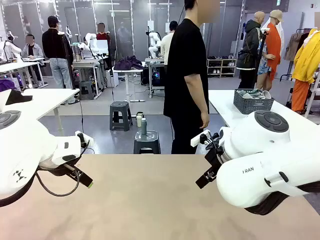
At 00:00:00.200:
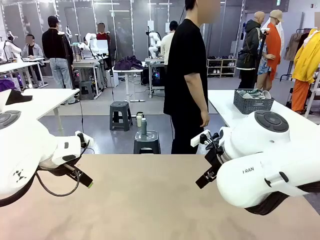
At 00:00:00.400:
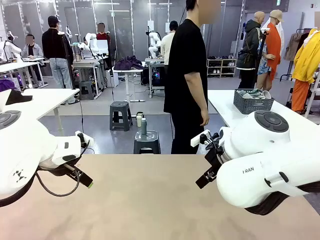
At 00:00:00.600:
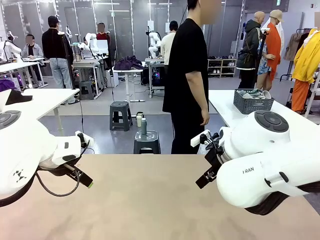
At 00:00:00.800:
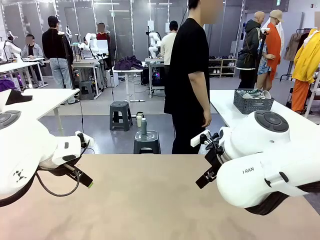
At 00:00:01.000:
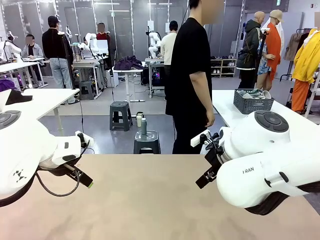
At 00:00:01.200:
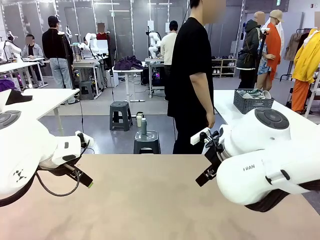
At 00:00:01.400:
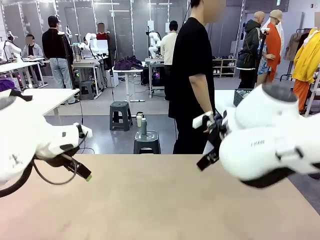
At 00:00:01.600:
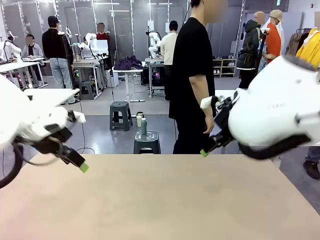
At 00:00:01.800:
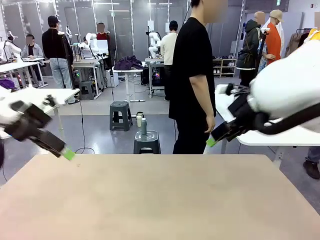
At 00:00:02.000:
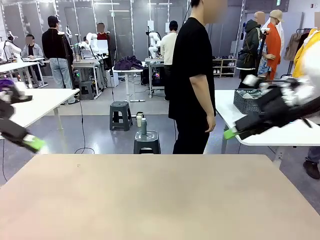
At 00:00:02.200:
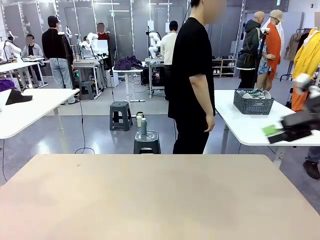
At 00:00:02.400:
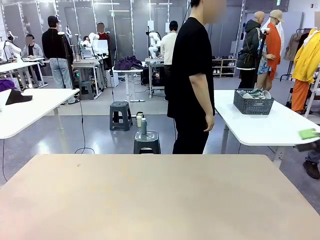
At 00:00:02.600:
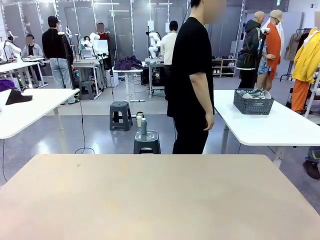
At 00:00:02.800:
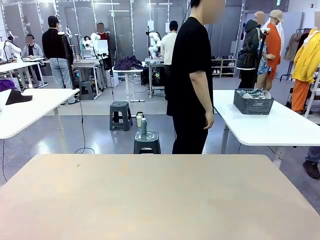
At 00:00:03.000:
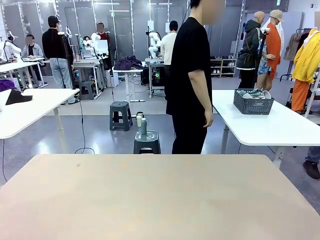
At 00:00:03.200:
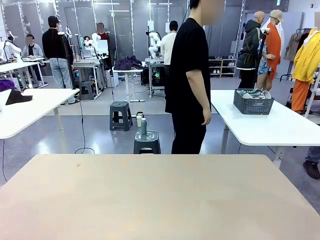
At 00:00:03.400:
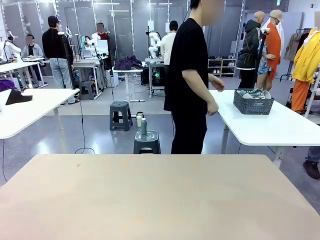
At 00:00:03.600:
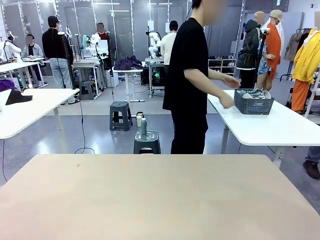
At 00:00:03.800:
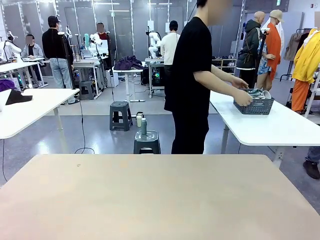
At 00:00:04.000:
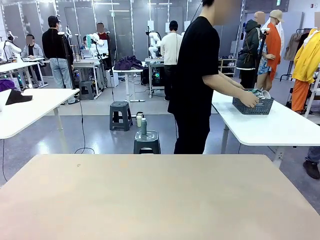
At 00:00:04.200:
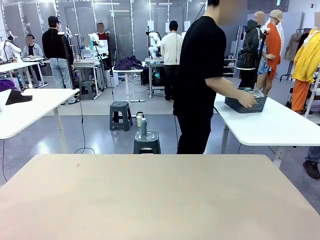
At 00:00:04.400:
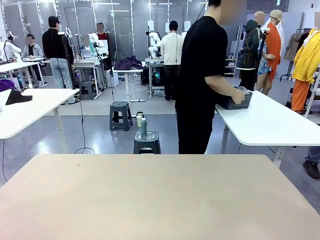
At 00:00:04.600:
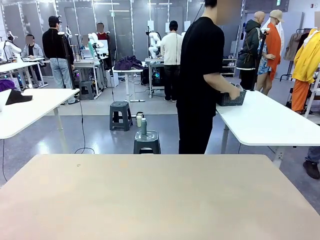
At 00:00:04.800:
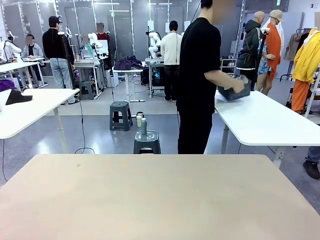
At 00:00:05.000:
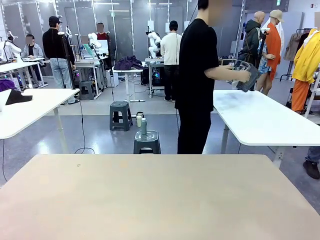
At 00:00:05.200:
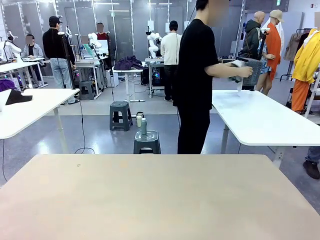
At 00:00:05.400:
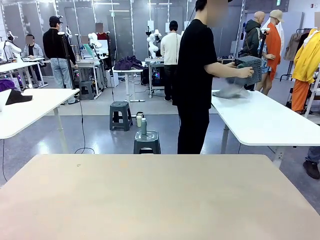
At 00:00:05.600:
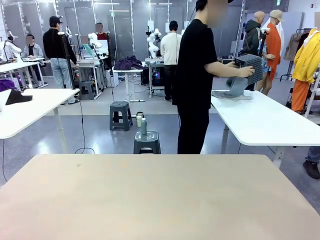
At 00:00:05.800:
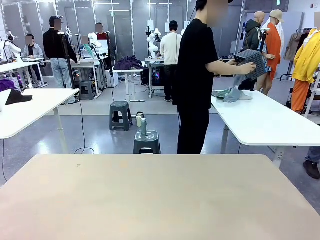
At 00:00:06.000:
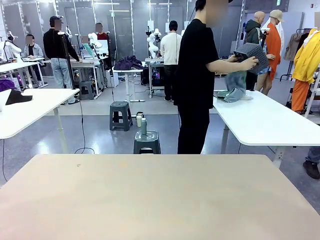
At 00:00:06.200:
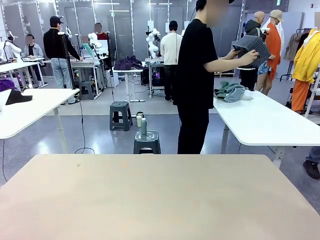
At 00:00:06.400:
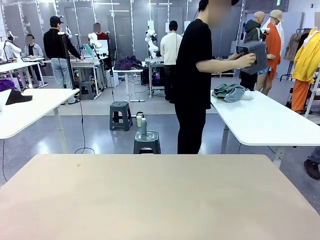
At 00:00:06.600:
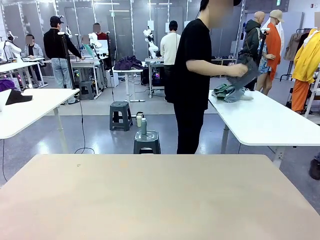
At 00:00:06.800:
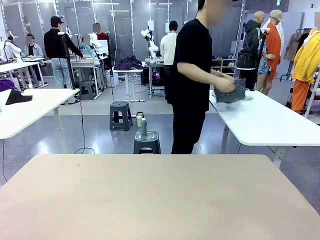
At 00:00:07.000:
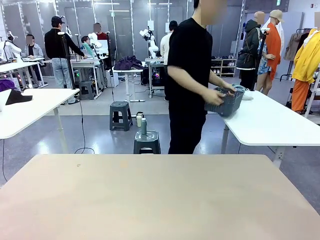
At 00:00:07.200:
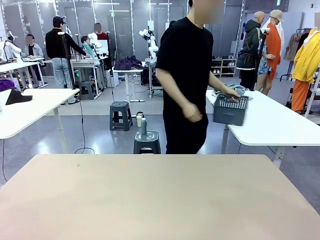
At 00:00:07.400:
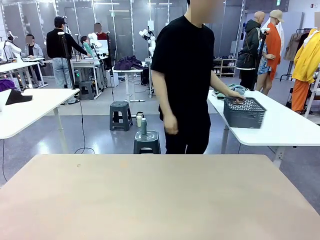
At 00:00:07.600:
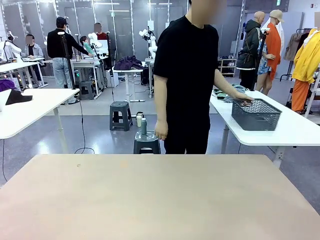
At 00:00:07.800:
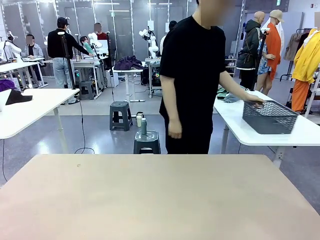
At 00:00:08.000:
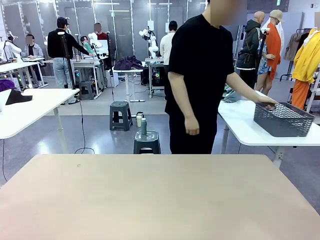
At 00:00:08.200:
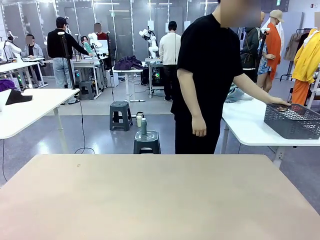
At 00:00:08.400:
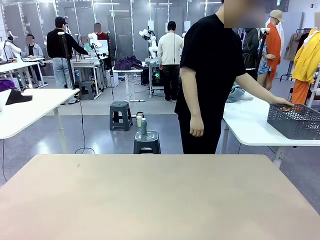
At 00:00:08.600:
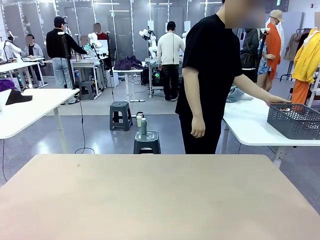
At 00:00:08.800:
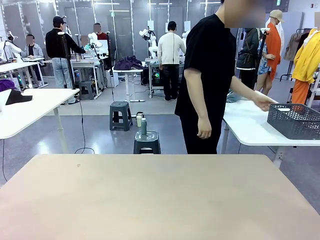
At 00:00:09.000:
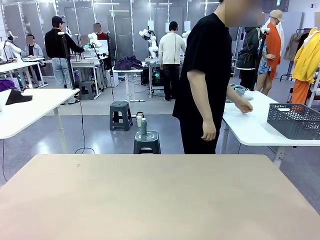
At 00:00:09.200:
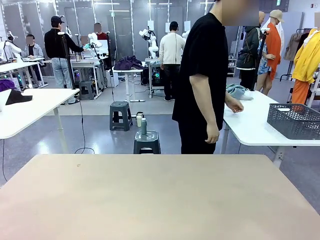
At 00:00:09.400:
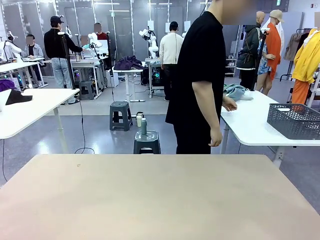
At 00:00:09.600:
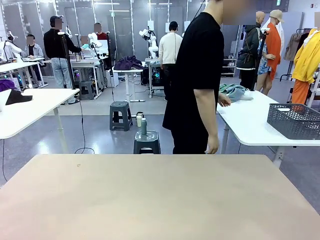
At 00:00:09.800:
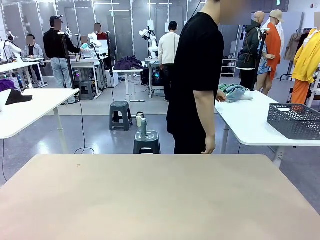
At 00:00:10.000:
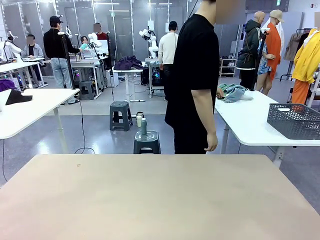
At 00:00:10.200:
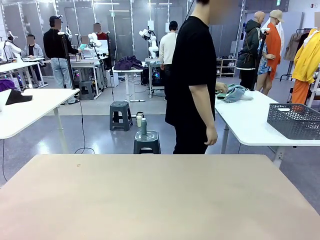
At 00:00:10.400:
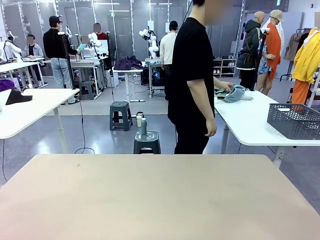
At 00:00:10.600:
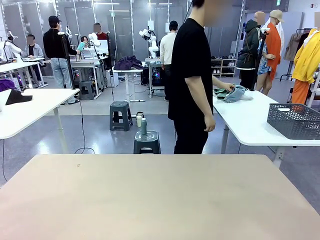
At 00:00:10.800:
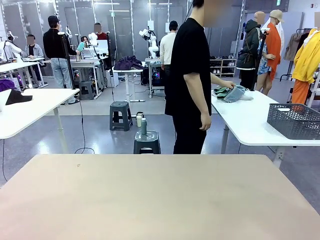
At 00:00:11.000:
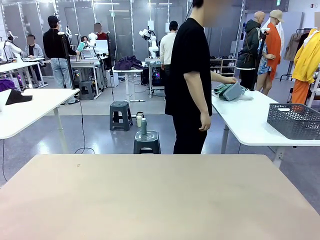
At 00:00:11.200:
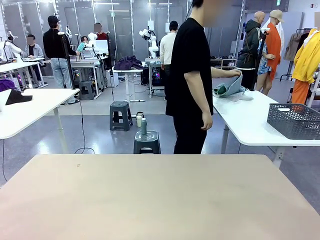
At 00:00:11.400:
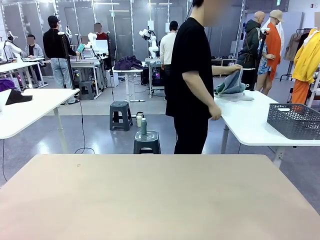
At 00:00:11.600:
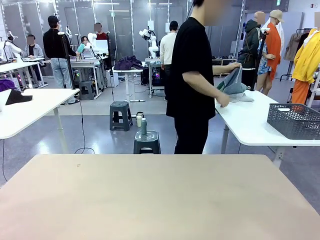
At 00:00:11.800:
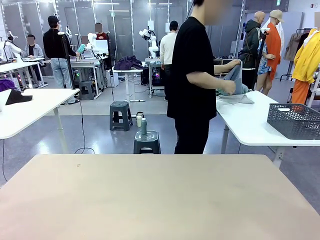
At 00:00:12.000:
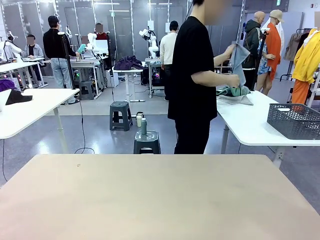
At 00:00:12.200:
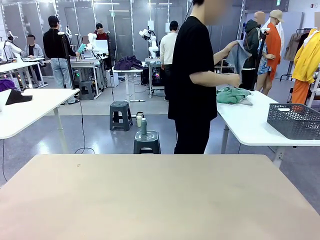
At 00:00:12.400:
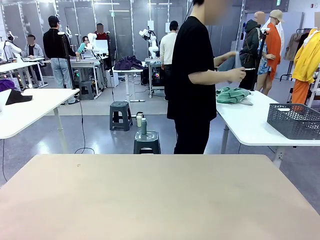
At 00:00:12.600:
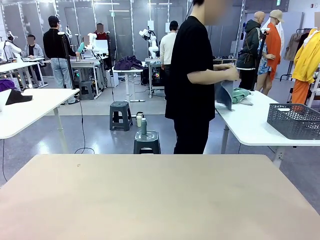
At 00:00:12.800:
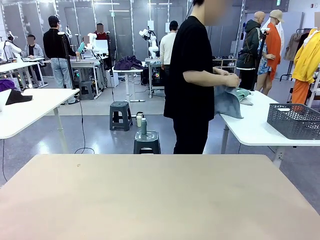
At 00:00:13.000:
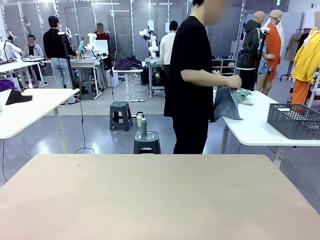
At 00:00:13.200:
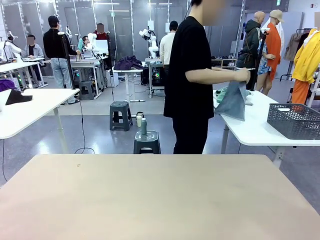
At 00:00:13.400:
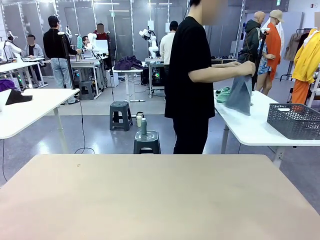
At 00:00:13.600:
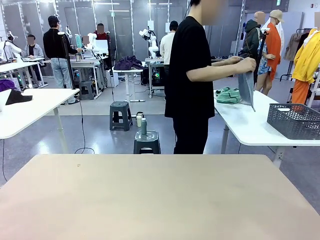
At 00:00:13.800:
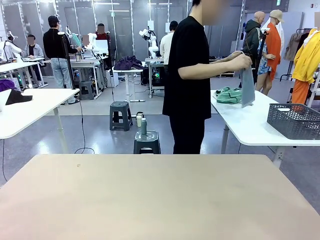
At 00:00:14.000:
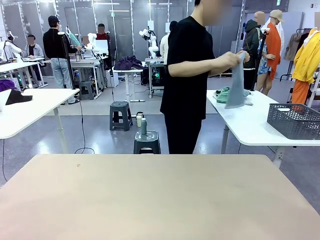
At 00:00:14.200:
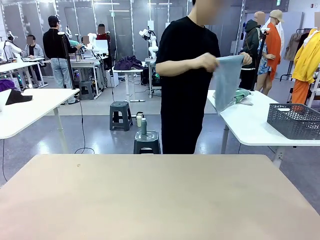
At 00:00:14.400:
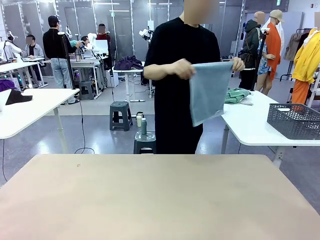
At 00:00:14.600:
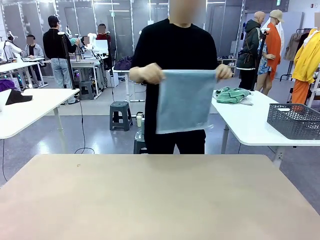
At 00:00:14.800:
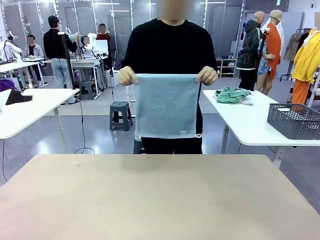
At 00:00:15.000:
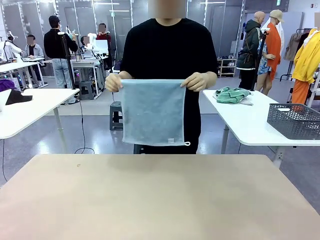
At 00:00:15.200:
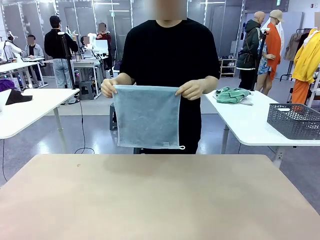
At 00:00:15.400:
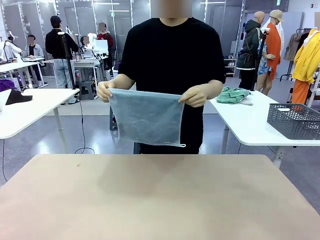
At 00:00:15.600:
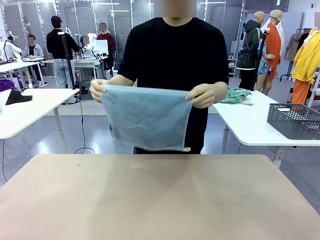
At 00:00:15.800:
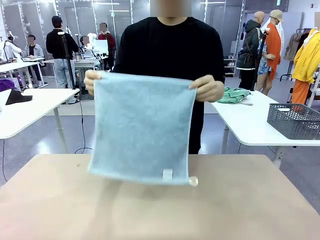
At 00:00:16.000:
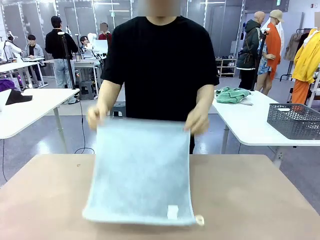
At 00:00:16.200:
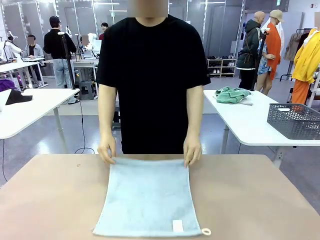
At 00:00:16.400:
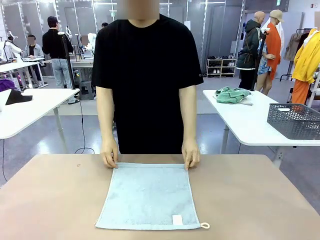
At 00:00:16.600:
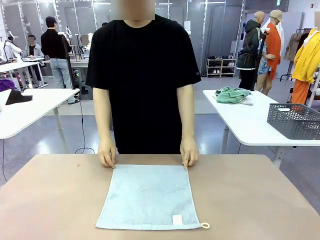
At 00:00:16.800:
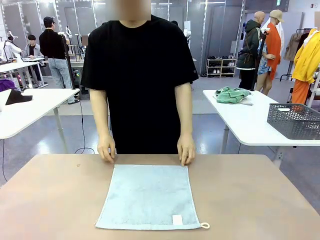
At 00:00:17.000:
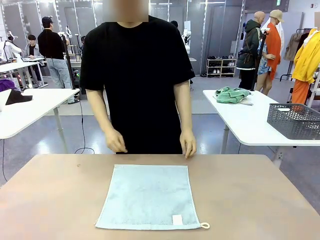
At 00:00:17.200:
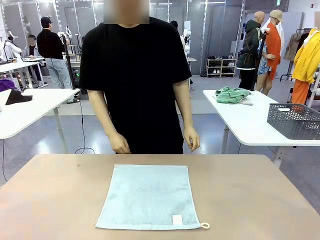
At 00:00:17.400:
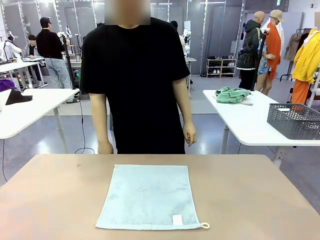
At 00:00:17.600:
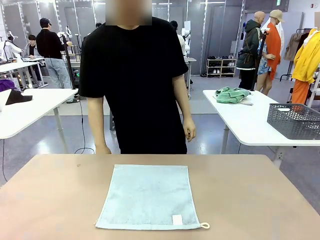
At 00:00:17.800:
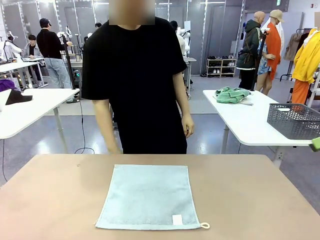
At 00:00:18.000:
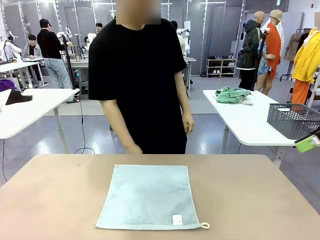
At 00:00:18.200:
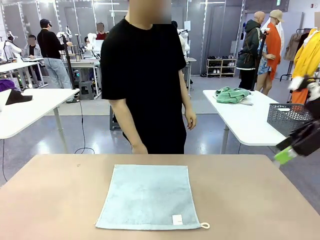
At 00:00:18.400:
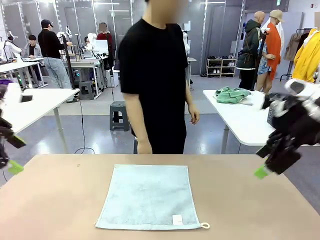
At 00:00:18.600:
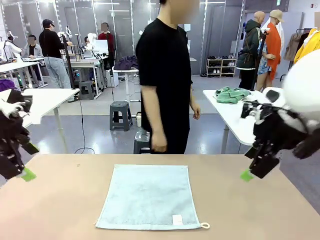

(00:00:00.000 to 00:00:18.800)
Task: Fold the towels and place them in the basket.
Robot: When a person lays out a Towel with hook on the table, fold it in half twice.
Person: Pick up the basket, pour the towels onto the left side of the human table, and place the basket on the right side. Pick up one towel and spread it out at the center of the robot table.
